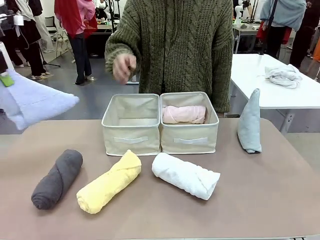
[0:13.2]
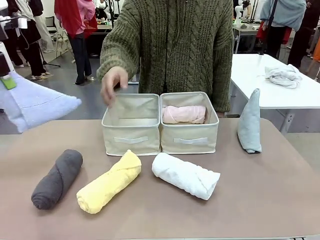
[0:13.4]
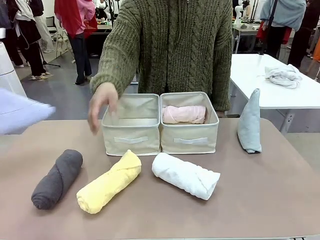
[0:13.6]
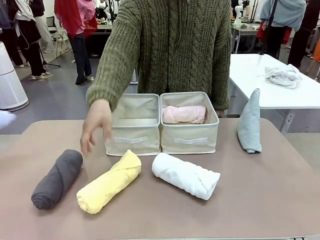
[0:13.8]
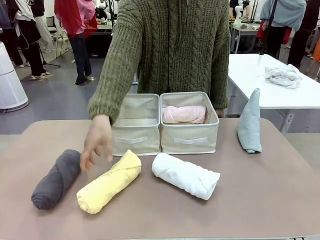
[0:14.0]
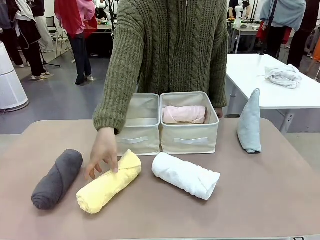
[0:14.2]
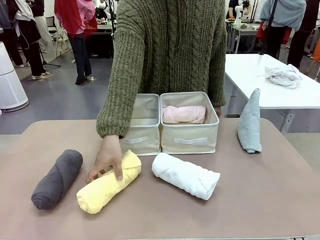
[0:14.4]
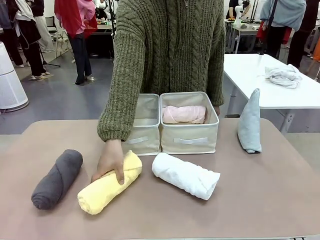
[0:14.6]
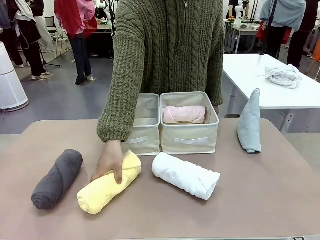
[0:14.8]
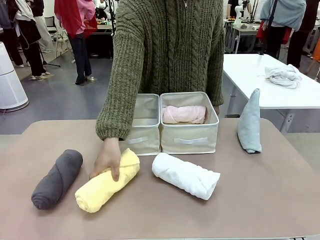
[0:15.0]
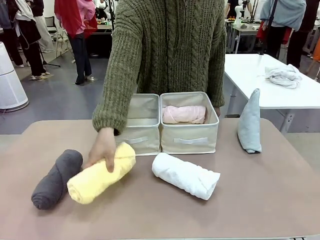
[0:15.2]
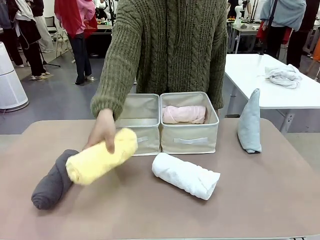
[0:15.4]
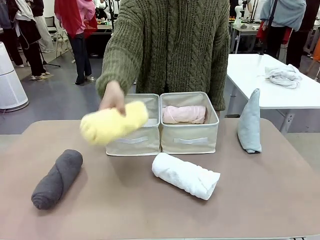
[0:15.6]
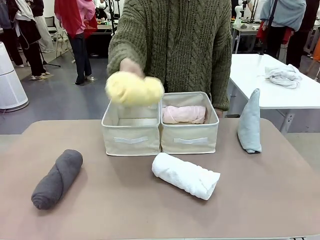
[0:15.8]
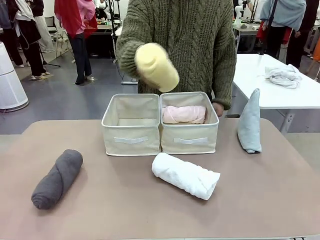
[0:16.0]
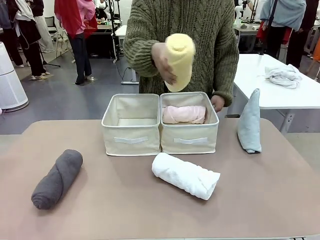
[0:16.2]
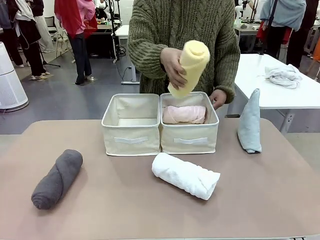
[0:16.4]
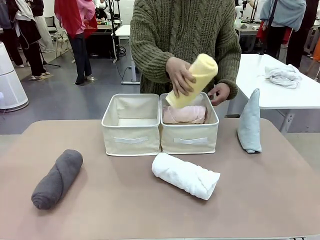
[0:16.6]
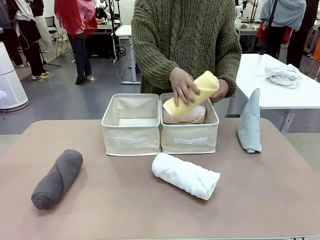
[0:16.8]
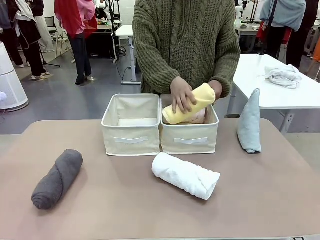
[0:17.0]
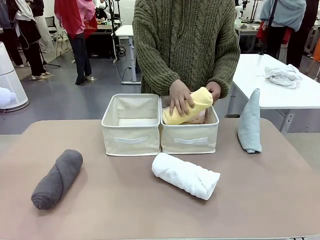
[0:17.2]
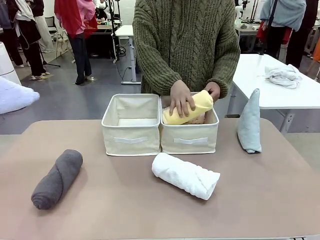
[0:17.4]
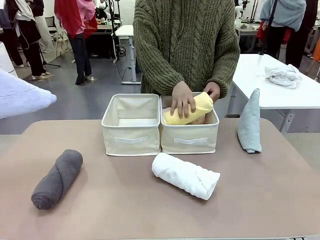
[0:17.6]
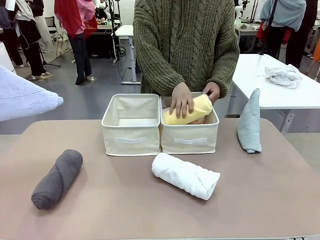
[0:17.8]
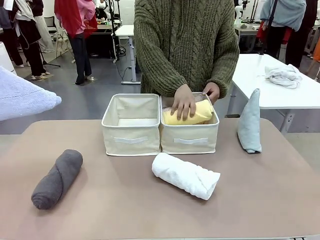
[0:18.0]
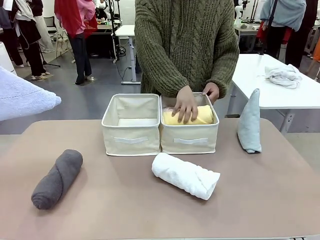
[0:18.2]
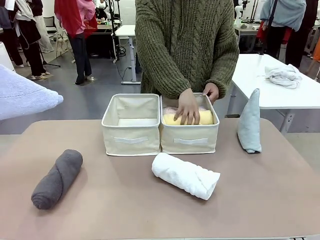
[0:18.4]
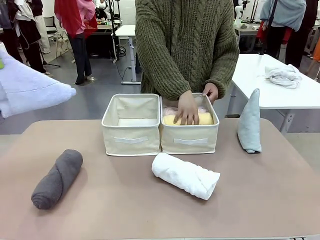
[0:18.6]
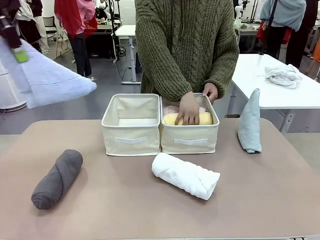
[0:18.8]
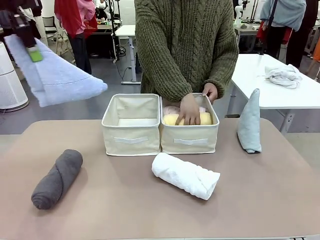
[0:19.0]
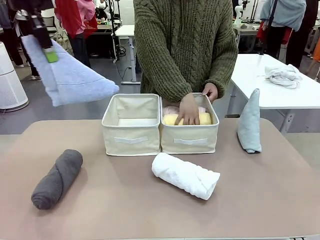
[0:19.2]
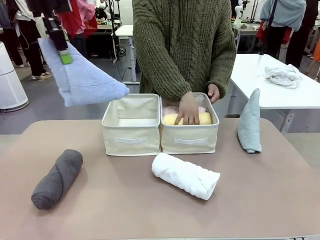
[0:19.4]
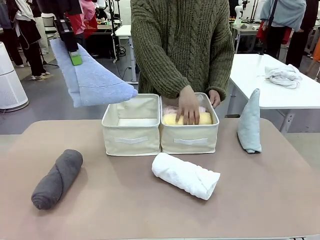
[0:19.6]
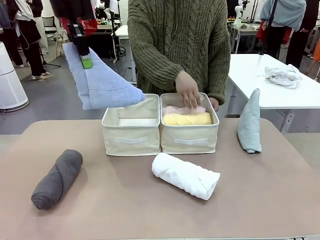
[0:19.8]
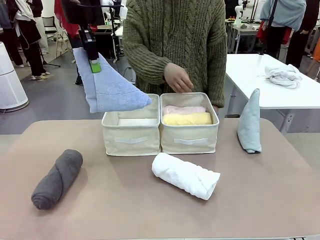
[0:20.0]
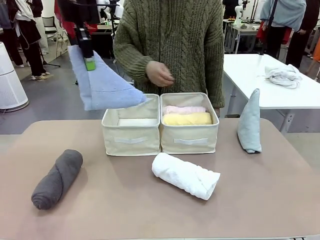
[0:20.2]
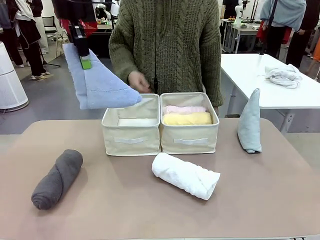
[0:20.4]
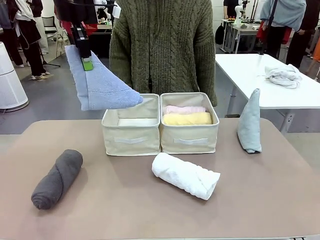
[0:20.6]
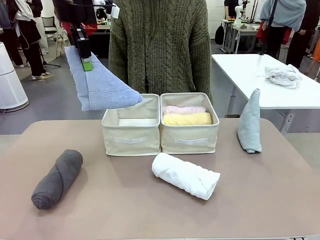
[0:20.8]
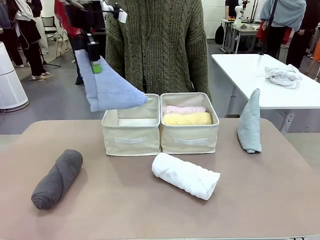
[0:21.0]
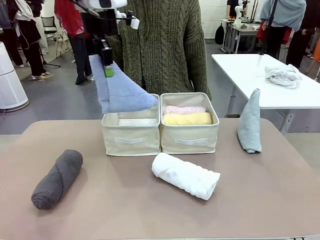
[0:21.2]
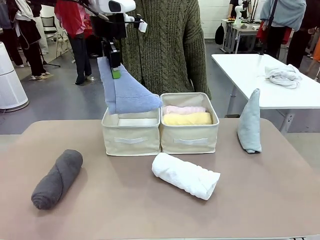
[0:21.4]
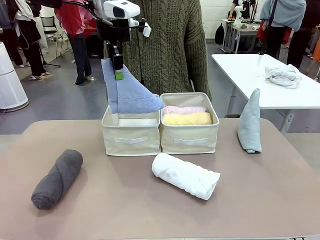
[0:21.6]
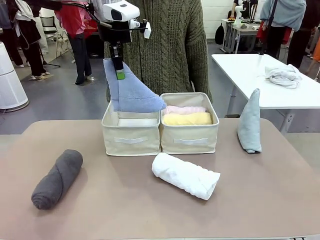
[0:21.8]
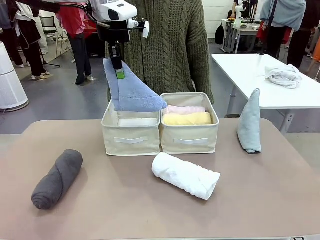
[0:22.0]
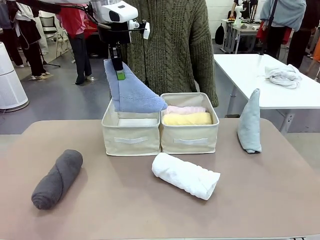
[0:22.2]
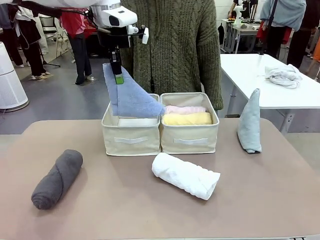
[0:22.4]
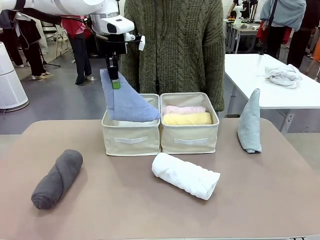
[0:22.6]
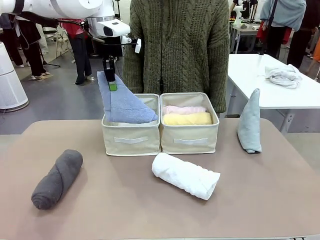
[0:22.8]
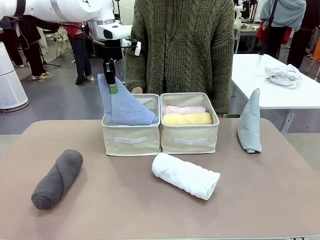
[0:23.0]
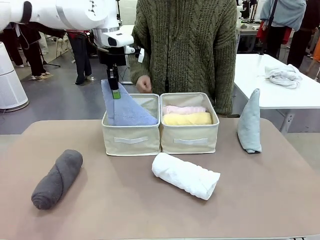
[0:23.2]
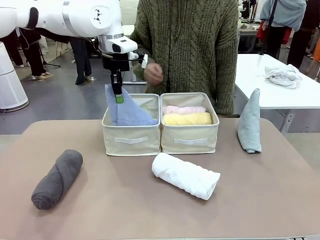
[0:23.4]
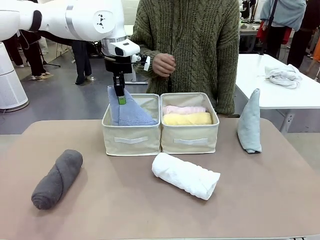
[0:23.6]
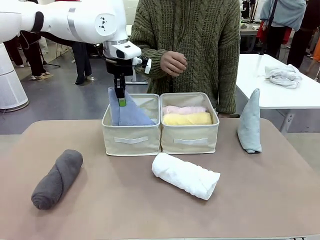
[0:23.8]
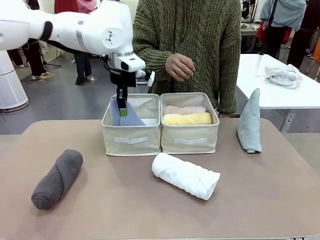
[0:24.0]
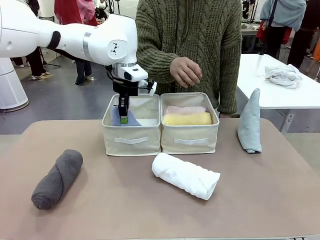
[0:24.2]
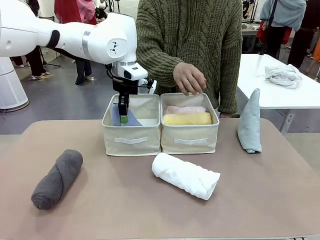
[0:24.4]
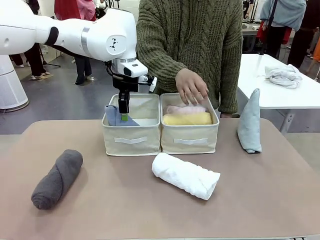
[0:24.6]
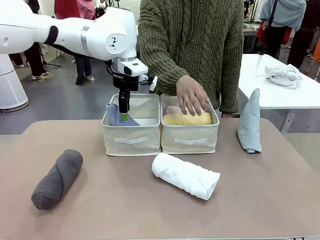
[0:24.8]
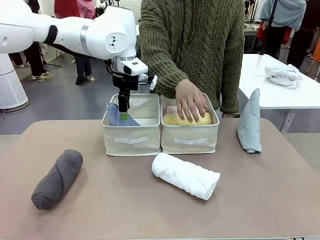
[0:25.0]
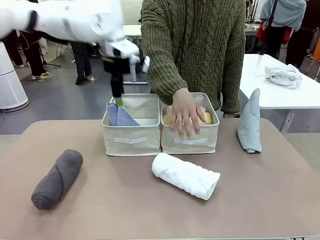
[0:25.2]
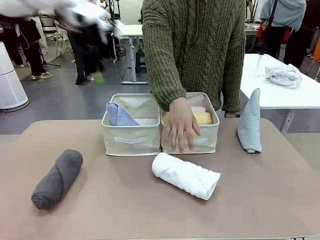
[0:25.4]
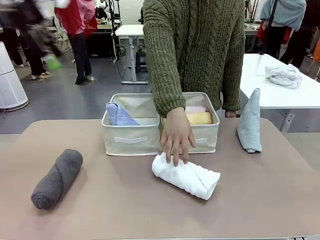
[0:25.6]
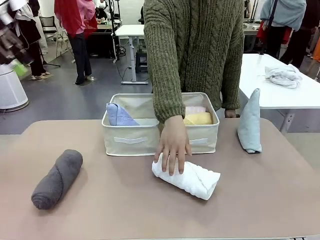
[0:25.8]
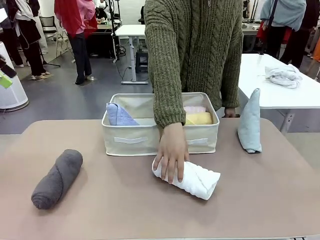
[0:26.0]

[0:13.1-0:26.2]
Task: Sort the towels based on their folding style.
Robot: Pick up one triangle-folded towel and place it in the left Fabric basket.

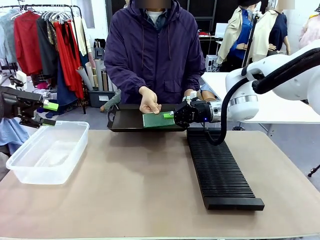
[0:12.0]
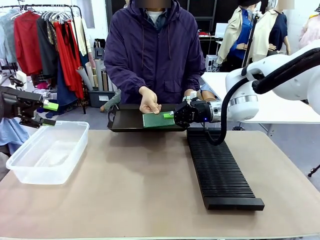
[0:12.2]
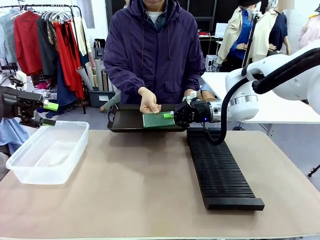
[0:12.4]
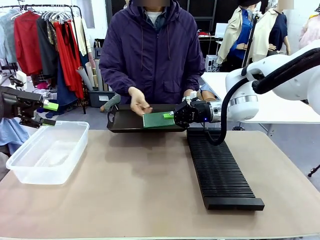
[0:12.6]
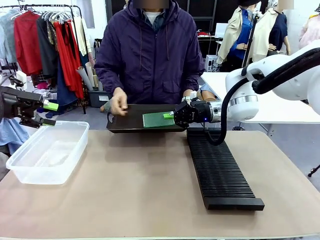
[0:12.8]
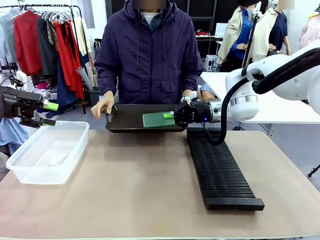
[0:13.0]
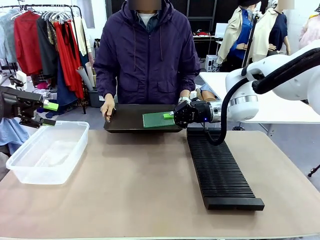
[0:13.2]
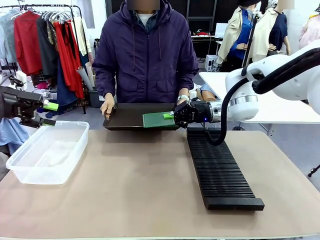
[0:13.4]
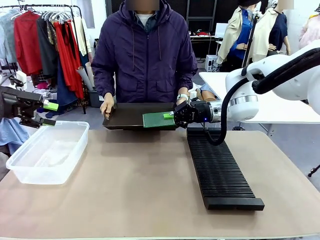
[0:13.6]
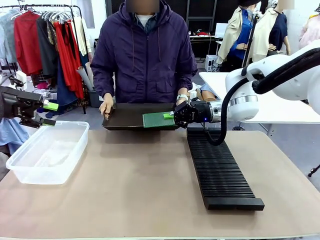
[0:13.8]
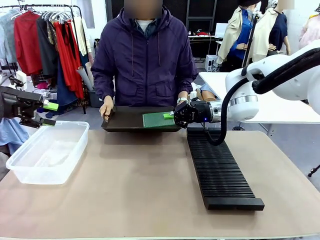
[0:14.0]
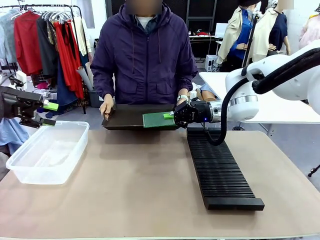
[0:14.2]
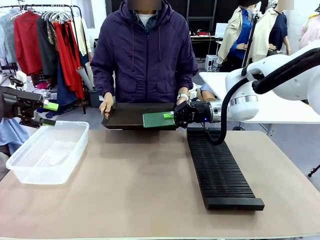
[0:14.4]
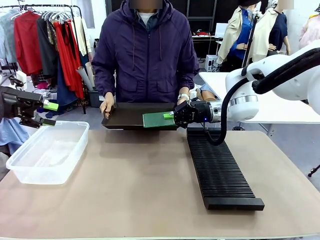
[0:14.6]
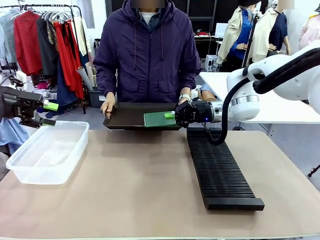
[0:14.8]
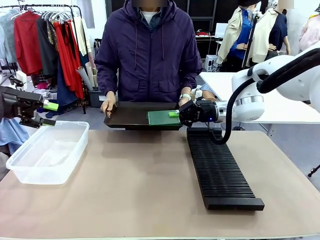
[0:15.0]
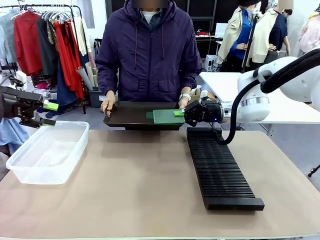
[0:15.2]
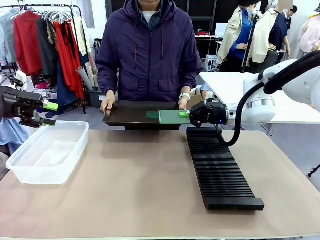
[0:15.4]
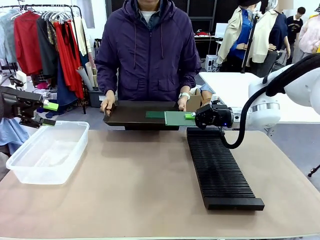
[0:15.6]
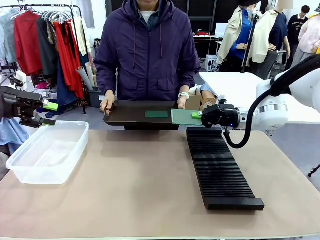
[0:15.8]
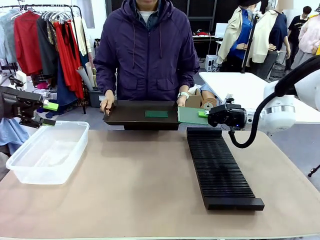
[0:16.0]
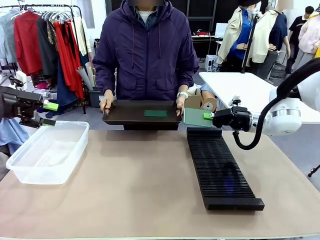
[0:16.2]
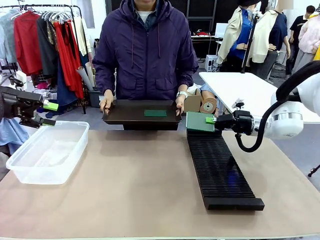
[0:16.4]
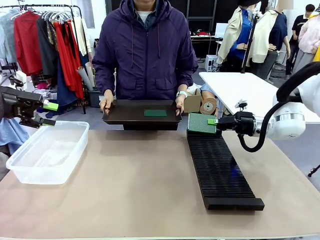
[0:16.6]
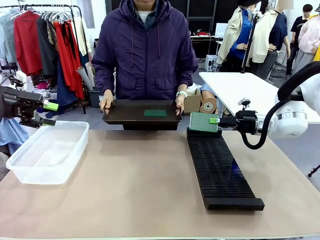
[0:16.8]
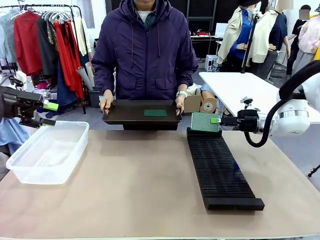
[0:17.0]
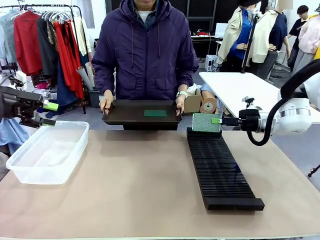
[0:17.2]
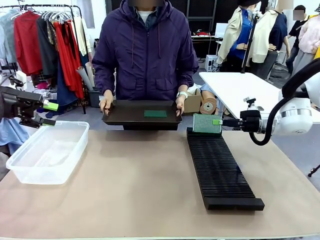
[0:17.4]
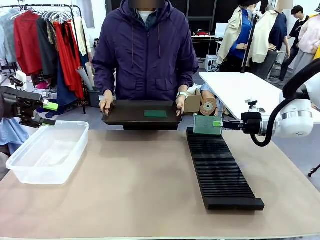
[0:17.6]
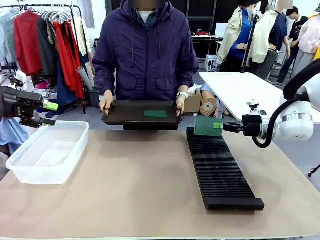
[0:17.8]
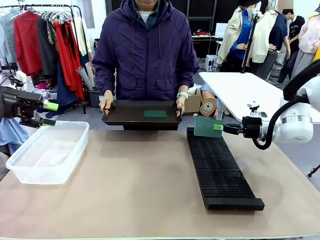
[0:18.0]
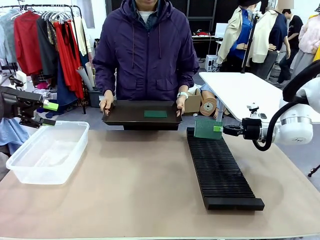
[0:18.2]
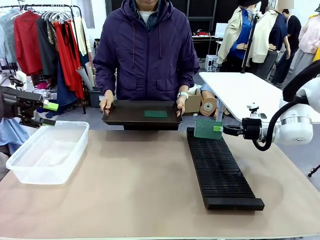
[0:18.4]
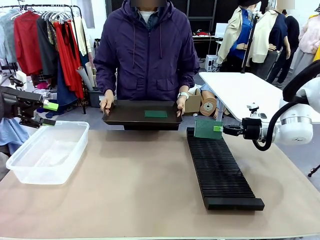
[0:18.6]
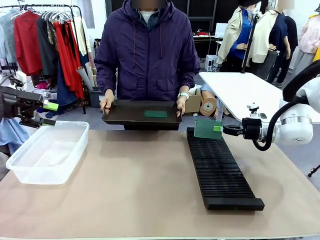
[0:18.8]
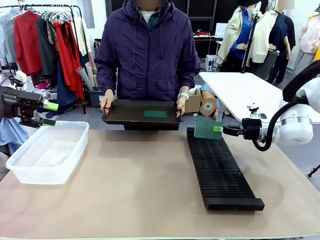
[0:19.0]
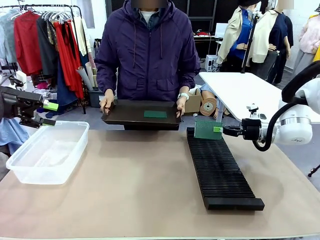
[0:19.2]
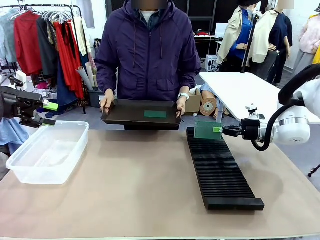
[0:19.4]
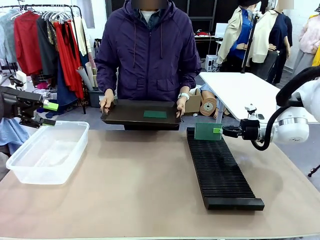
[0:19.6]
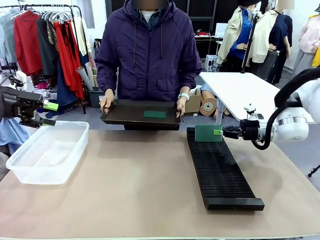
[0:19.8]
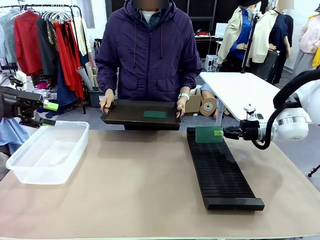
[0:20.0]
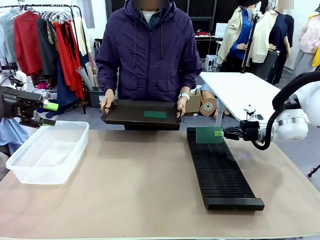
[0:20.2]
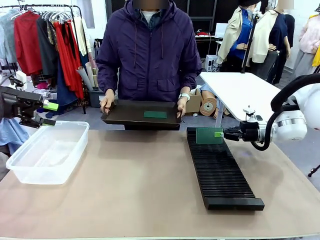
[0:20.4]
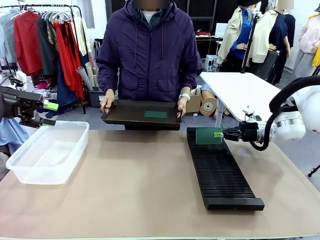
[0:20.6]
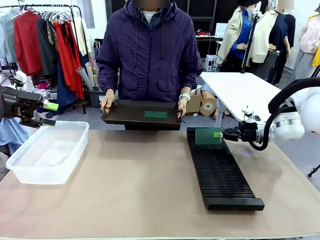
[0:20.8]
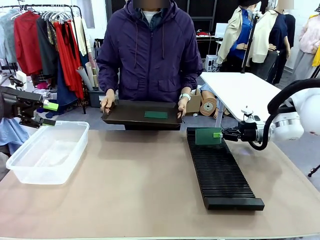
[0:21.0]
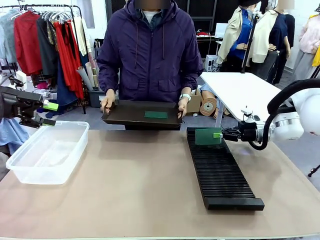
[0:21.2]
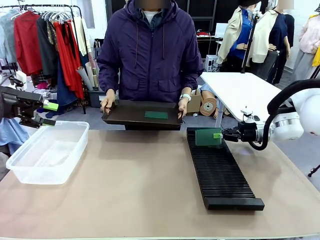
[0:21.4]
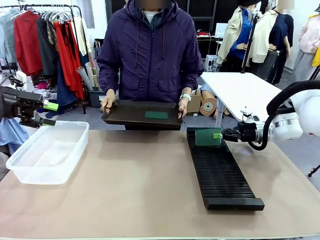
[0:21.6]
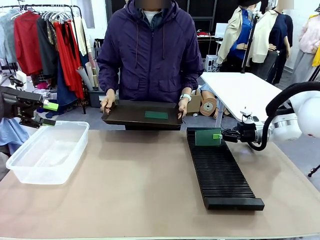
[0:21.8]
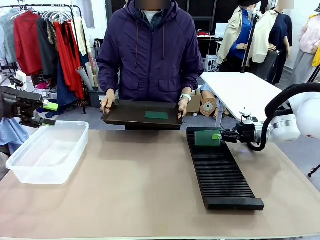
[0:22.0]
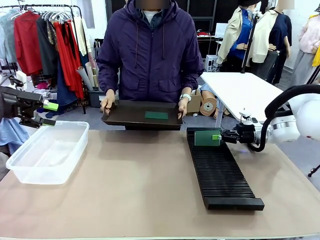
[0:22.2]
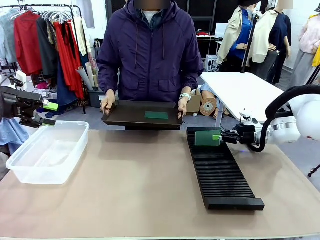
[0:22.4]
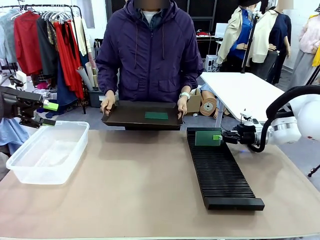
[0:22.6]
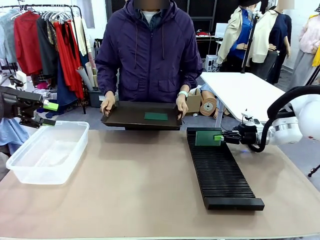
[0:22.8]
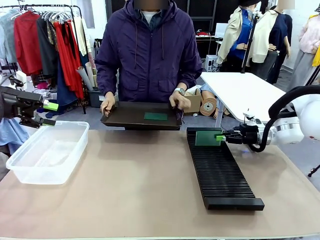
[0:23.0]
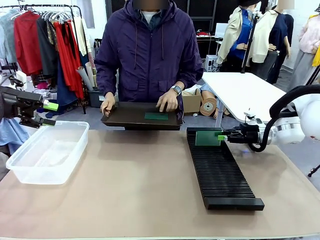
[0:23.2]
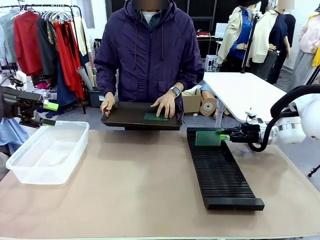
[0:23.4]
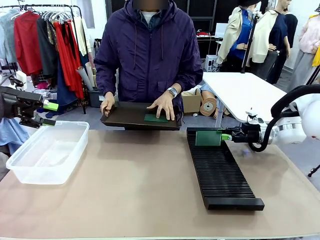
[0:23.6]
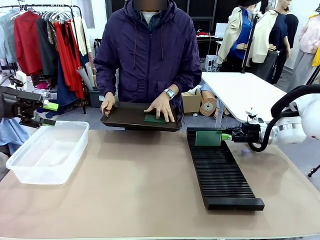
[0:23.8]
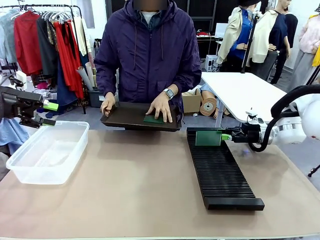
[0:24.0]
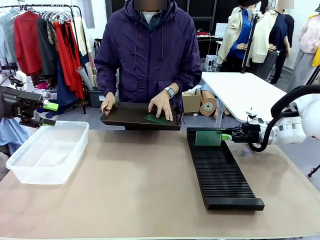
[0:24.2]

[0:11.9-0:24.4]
Task: Sort PCBs into racks and boxes based on the side picked up.
Robot: If the short side of the Blank PCB is picked up, insert it into the PCB Rack ; if the long side is picked up, place it in the Organizing box.
Person: Pick one PCB from the tray and present it to the robot.
